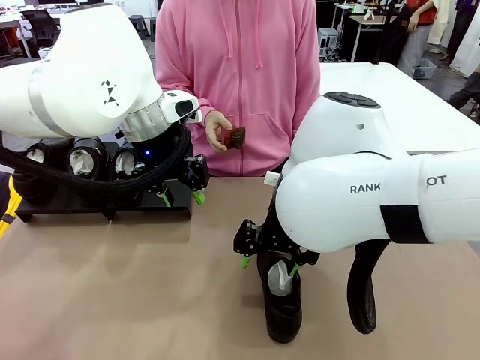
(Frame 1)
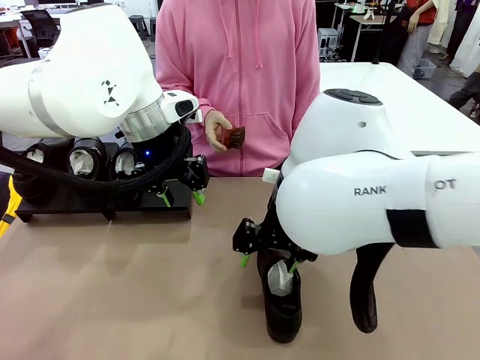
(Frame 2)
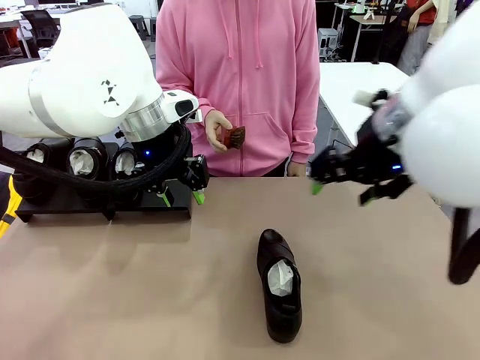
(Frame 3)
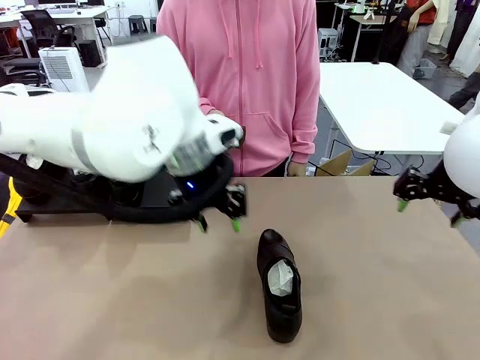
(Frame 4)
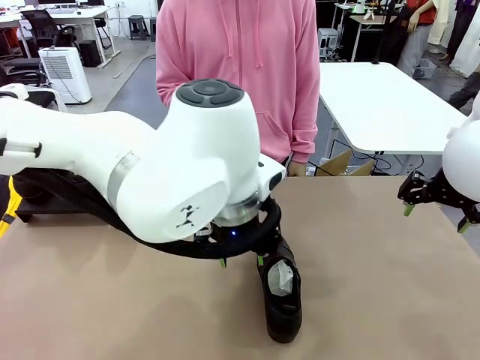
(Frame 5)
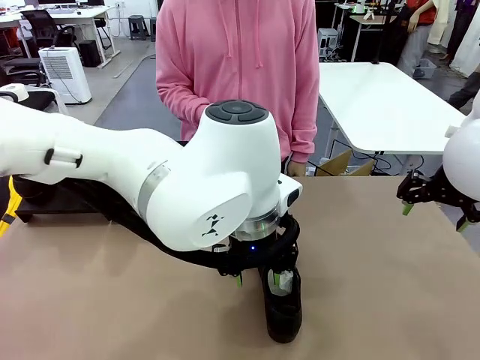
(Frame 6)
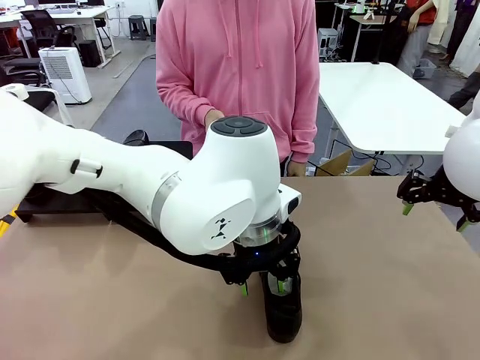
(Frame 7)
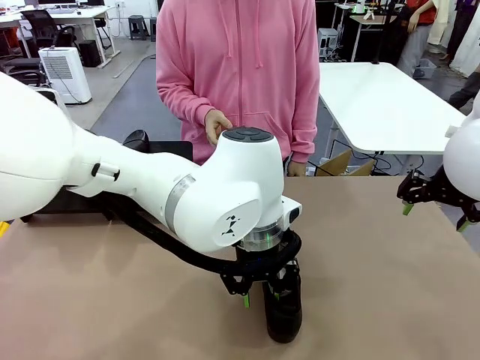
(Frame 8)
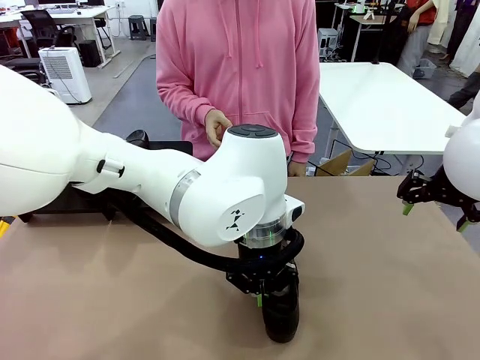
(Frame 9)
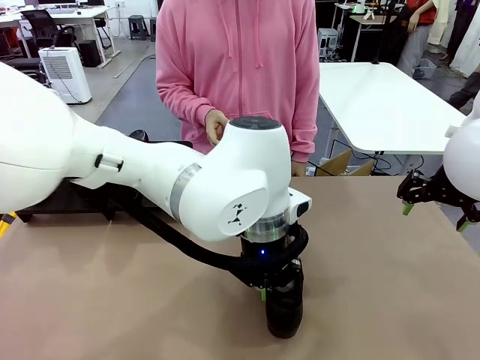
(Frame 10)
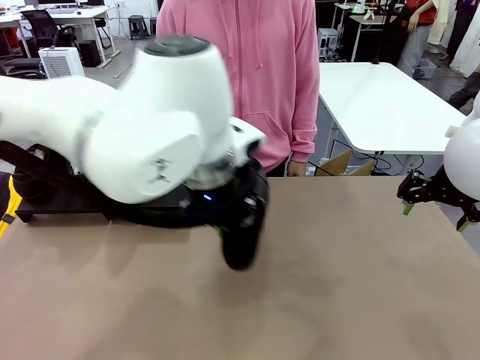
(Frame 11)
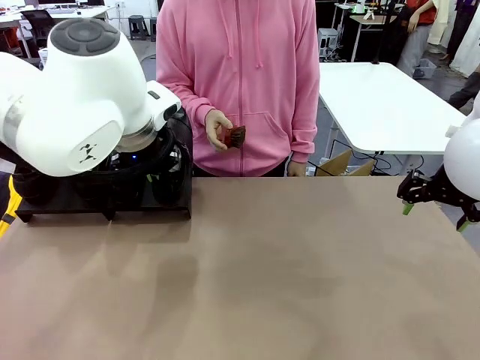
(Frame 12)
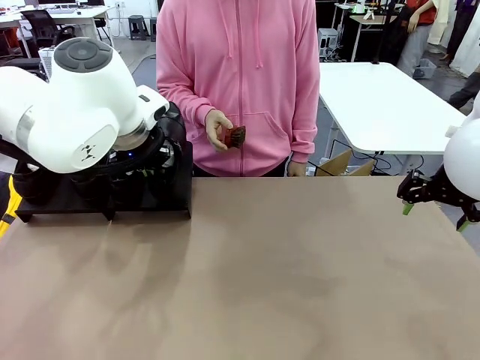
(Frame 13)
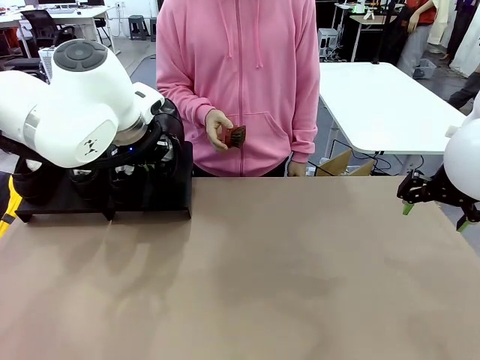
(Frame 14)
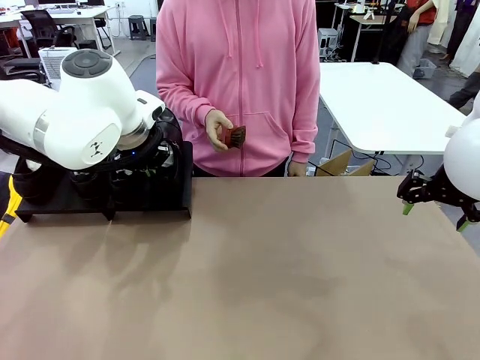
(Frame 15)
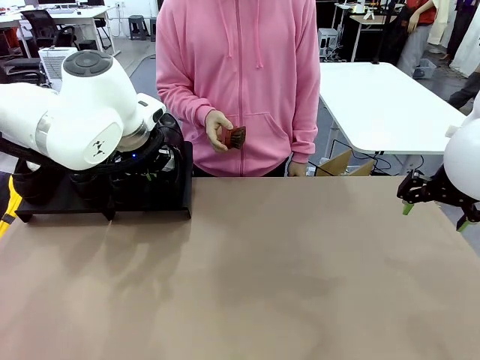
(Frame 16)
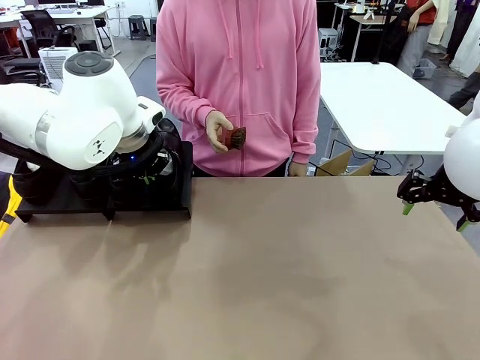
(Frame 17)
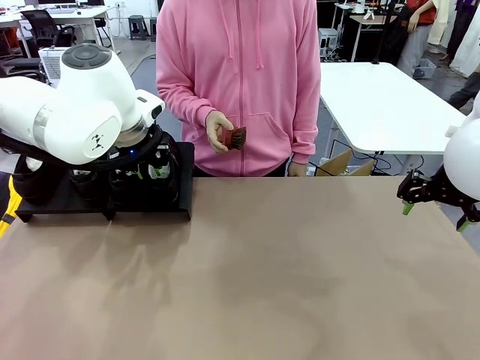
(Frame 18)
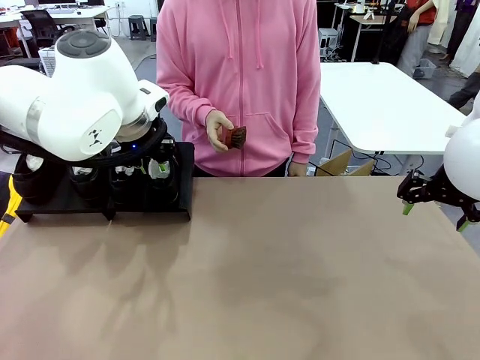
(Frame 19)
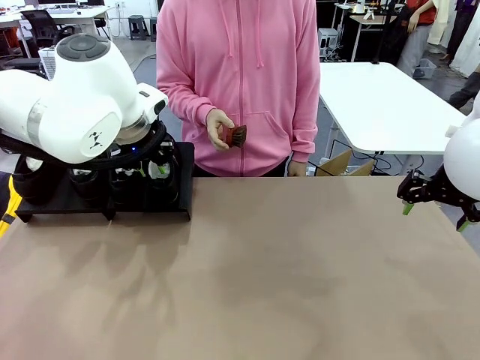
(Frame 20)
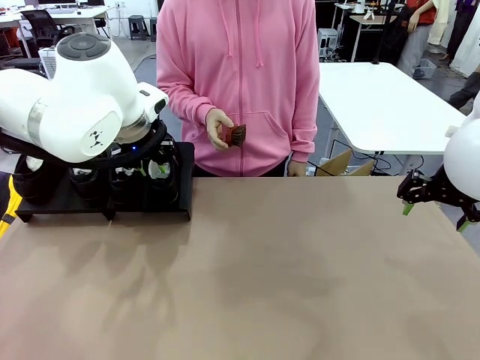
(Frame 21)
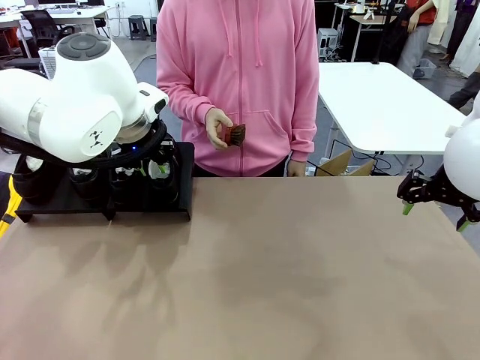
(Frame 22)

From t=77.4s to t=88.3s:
Task: Organize the shoes by placing them on the stand.
Robot: Place the Shoe from the middle of the table onto the Shoes Stand.

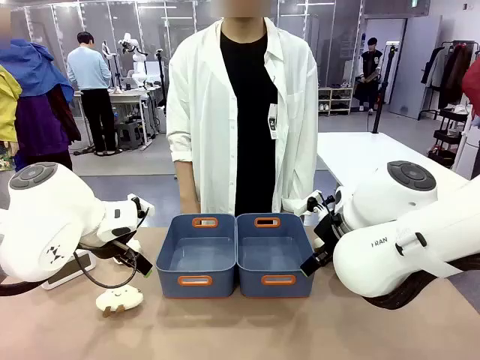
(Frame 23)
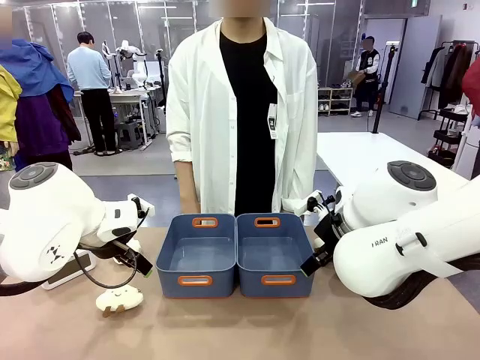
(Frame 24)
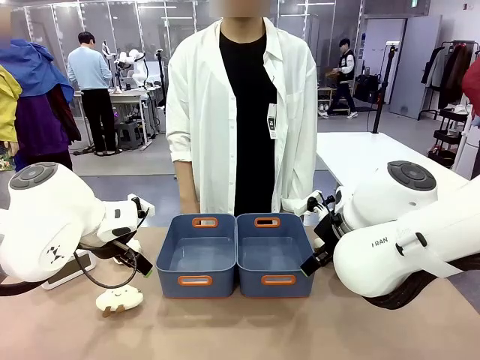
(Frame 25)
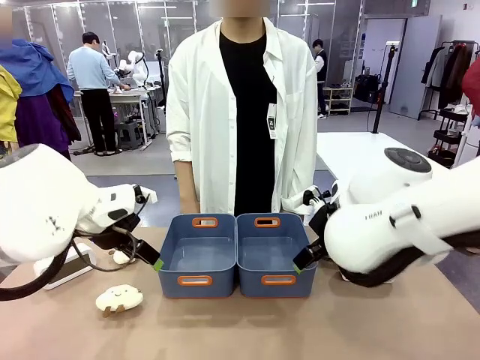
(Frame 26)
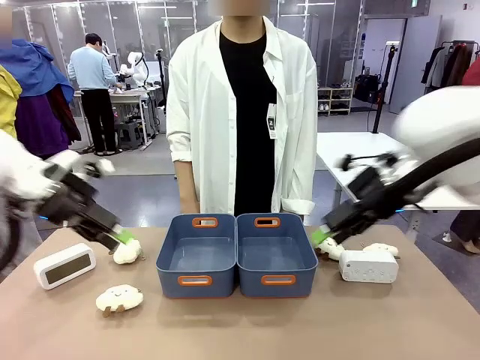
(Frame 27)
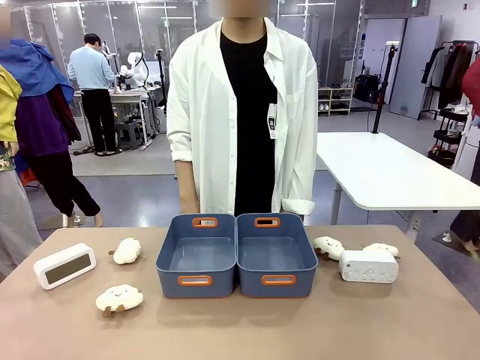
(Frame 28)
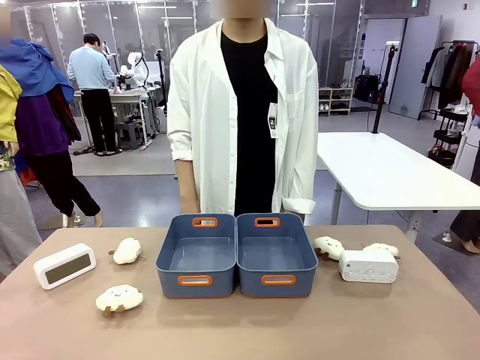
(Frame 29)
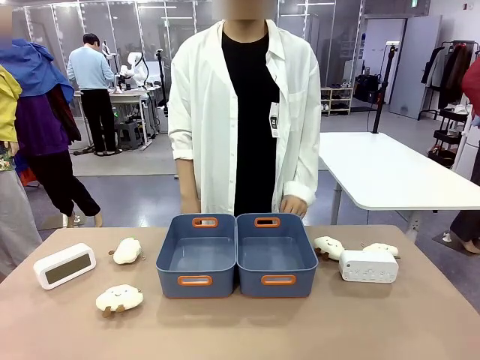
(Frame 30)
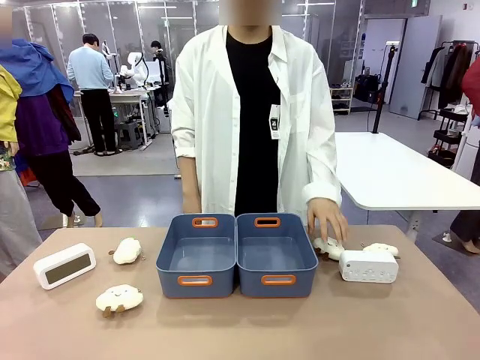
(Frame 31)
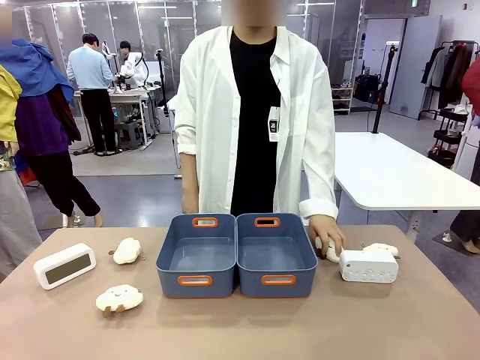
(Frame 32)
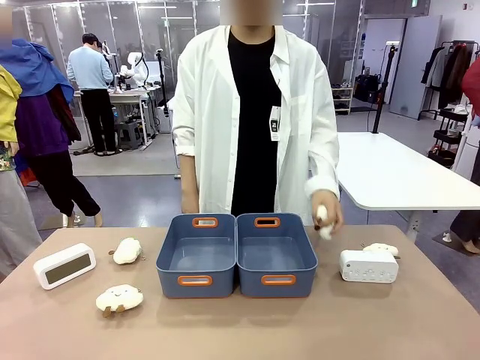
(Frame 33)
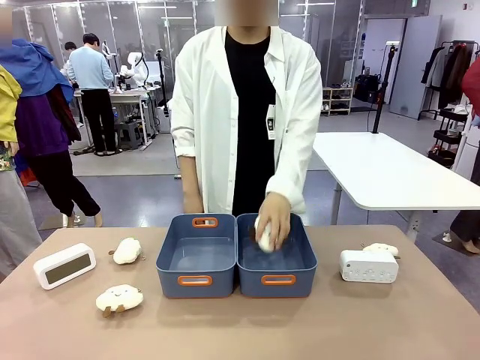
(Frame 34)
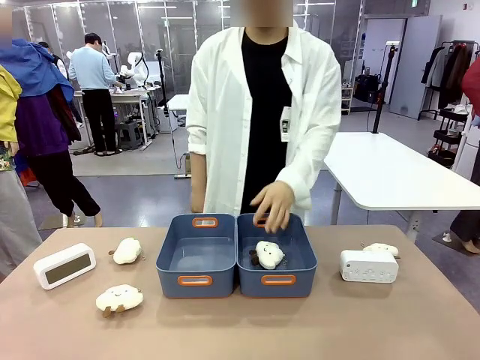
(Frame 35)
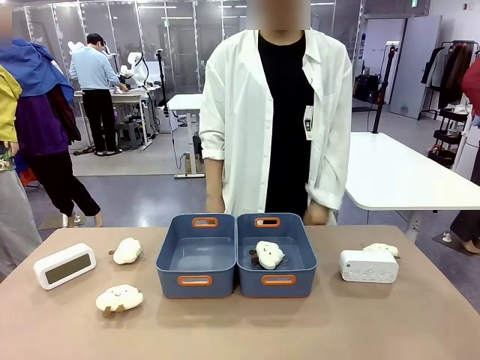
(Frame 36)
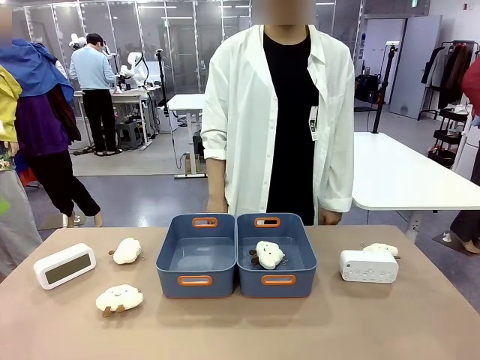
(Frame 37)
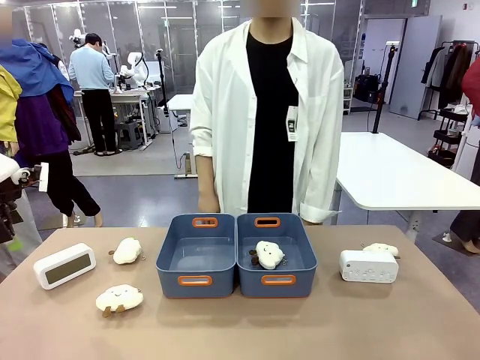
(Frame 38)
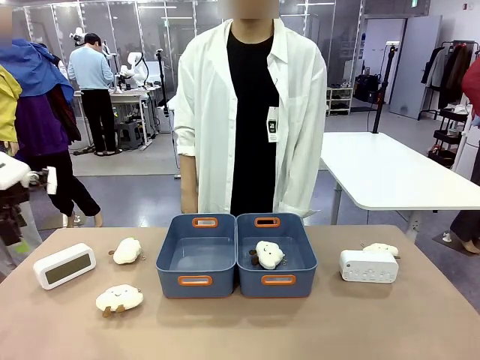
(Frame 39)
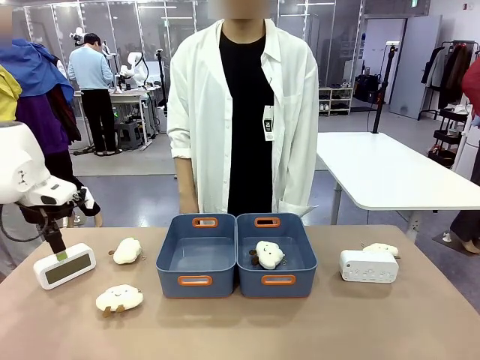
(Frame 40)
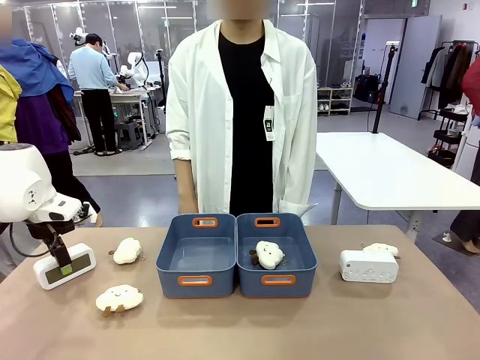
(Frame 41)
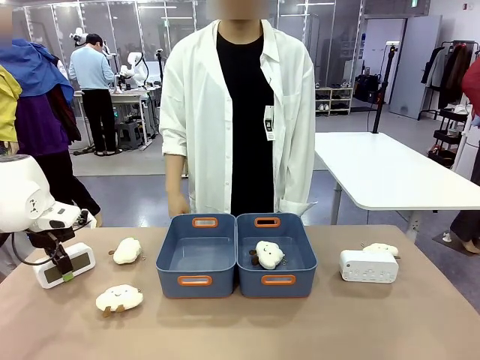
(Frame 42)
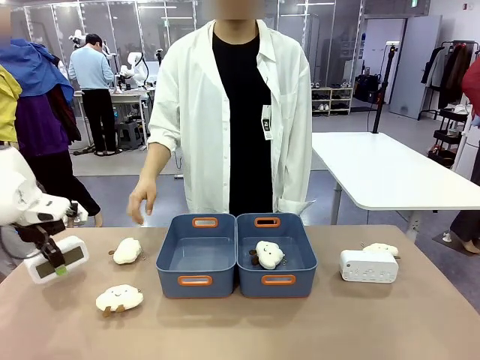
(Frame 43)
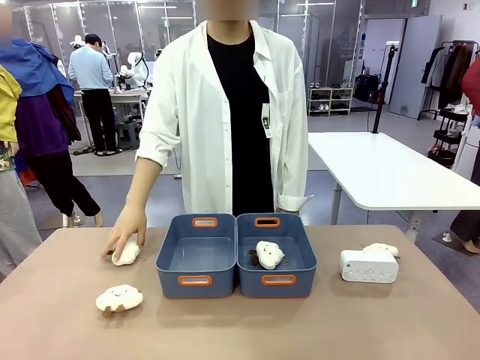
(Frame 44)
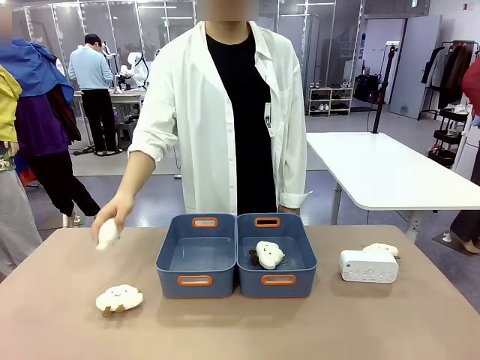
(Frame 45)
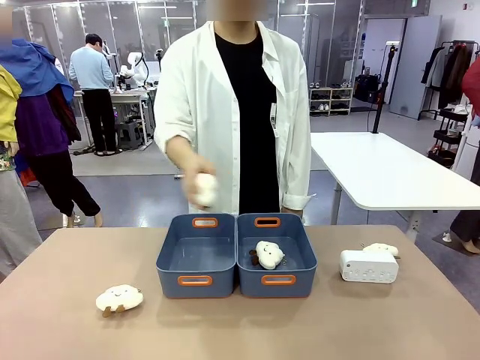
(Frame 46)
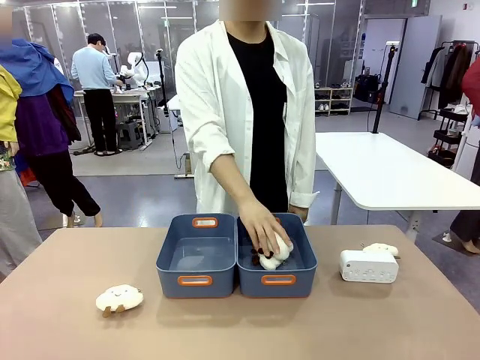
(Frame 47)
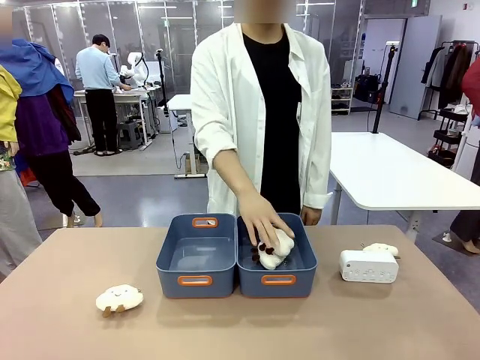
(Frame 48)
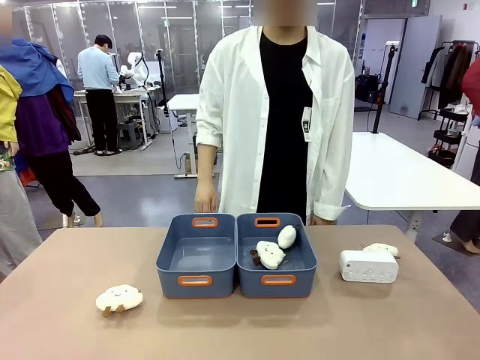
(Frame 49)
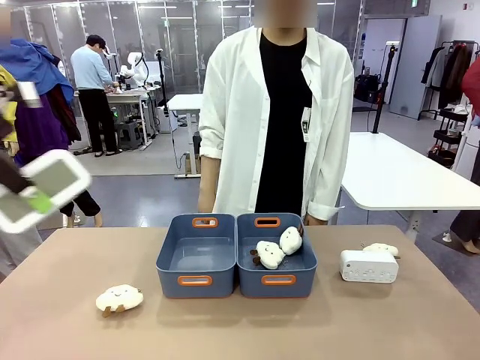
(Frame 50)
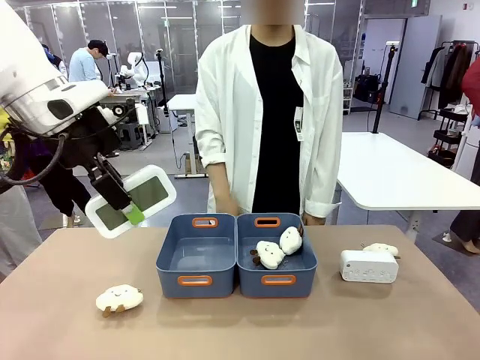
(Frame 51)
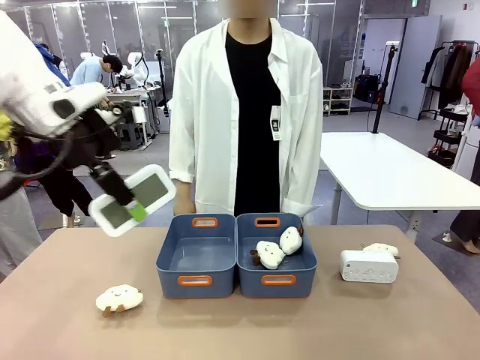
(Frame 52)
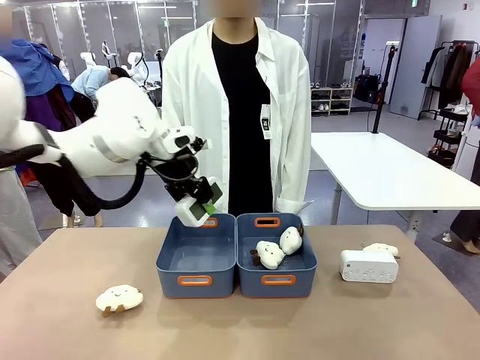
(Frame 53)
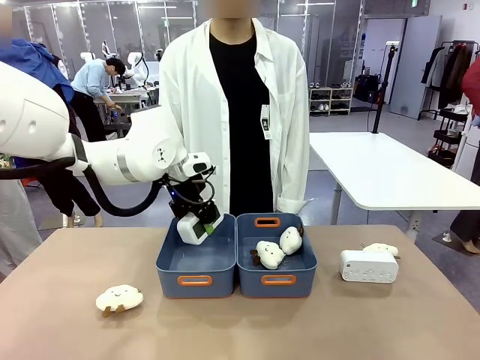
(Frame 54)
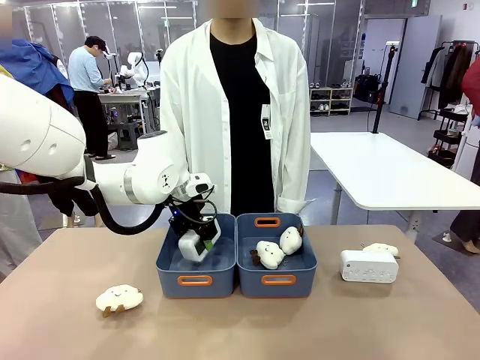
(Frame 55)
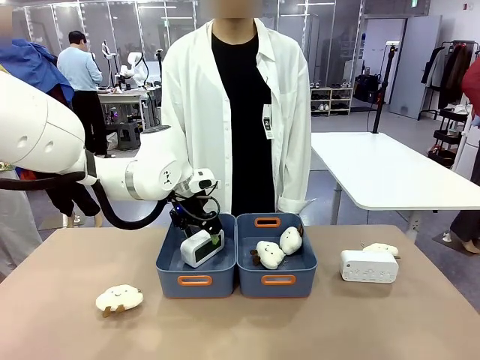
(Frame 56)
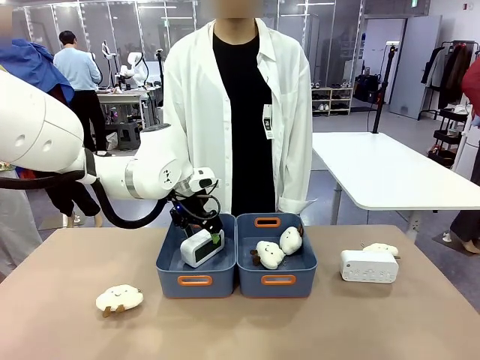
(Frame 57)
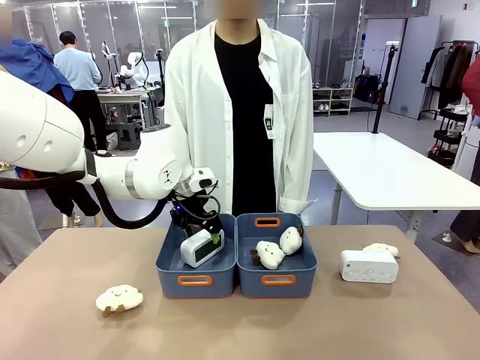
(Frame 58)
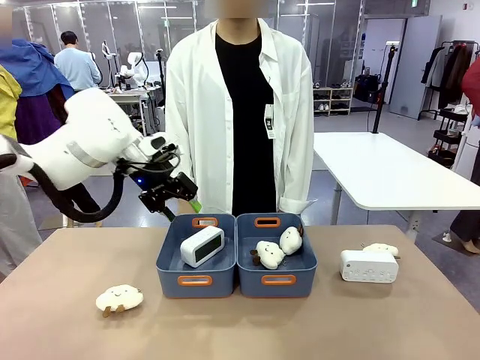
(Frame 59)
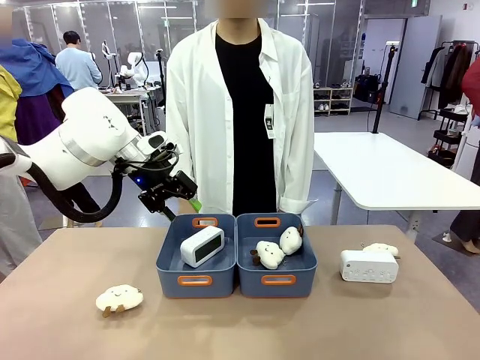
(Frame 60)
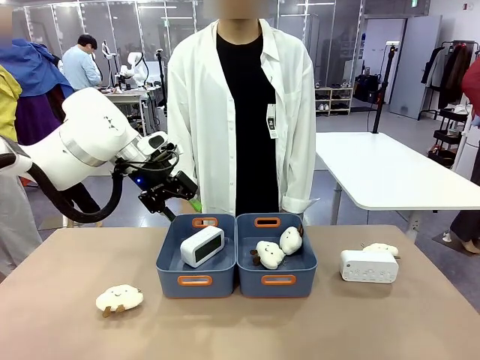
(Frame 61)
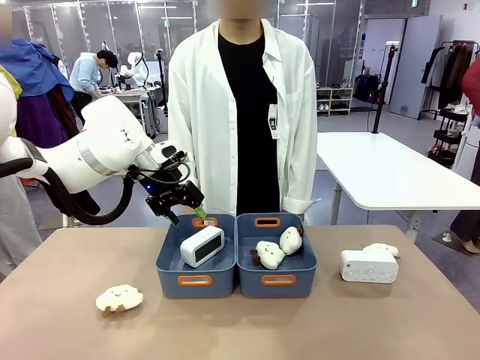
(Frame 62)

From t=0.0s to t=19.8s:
Task: Sort the digital clocks into the basket.
Robot: Pick up the Digital clock from the table and place it into the empty Plastic storage basket.
Person: Pick up a plush toy from the table and place it in a plastic storage basket.
